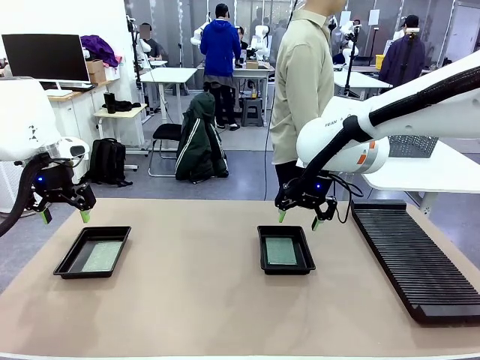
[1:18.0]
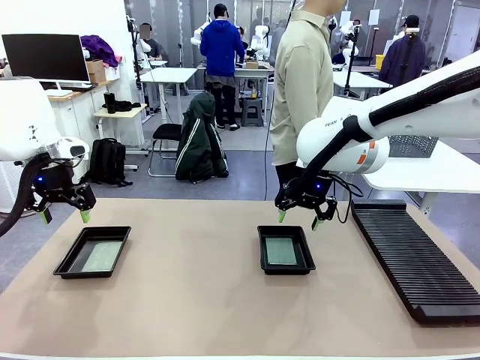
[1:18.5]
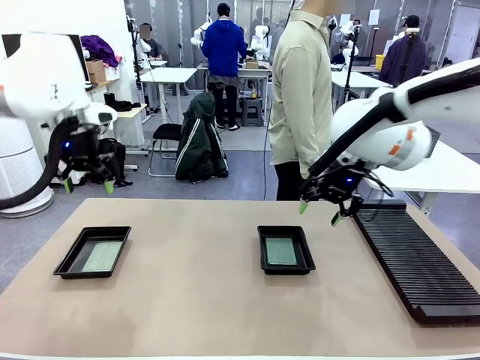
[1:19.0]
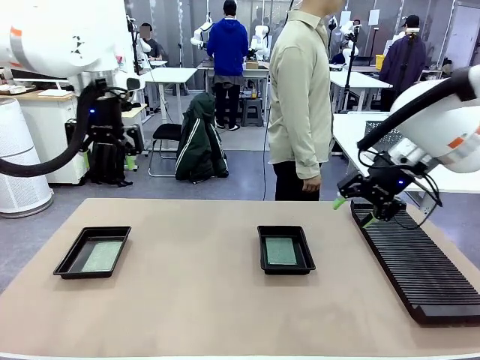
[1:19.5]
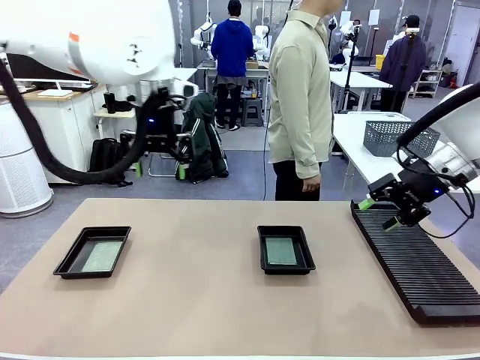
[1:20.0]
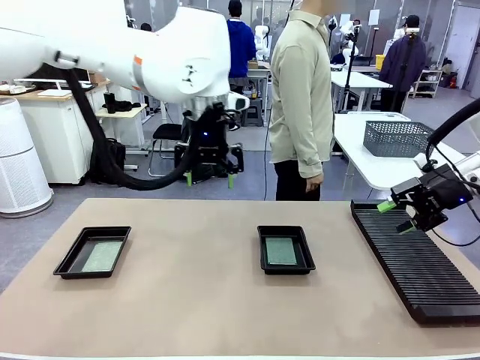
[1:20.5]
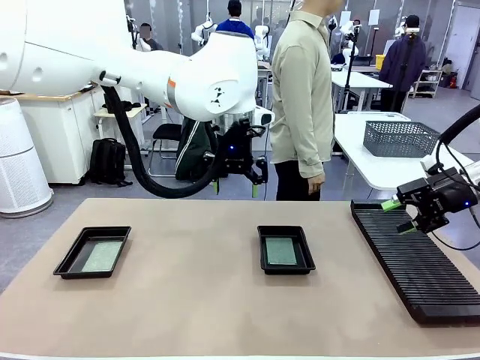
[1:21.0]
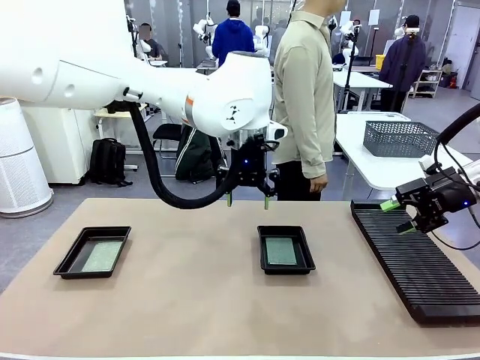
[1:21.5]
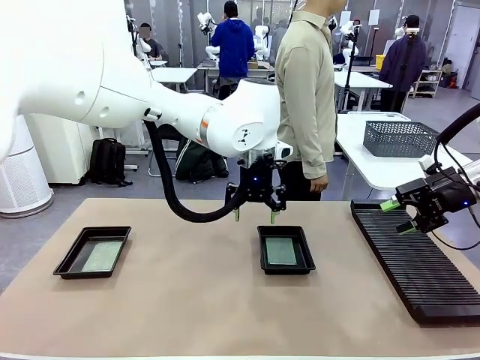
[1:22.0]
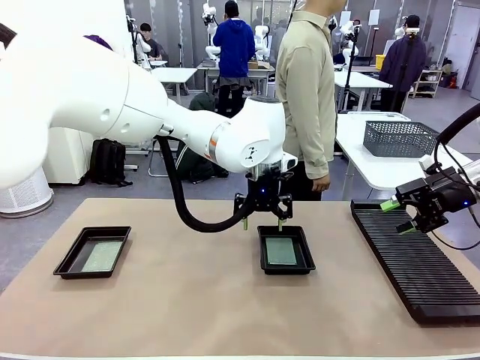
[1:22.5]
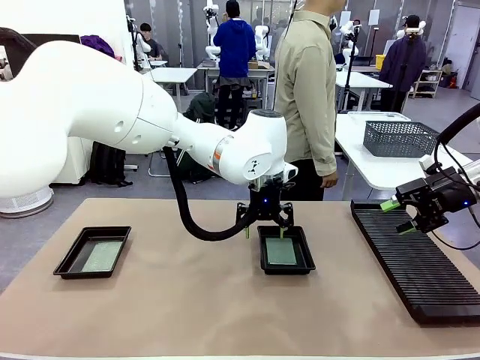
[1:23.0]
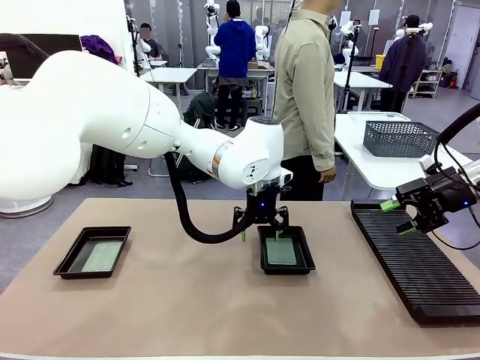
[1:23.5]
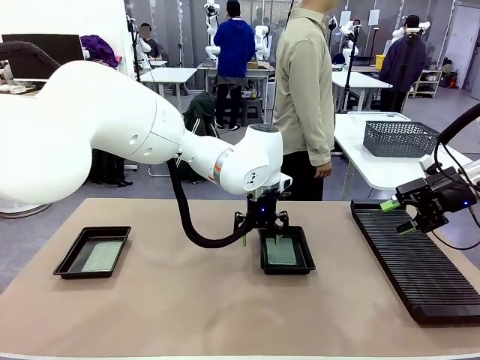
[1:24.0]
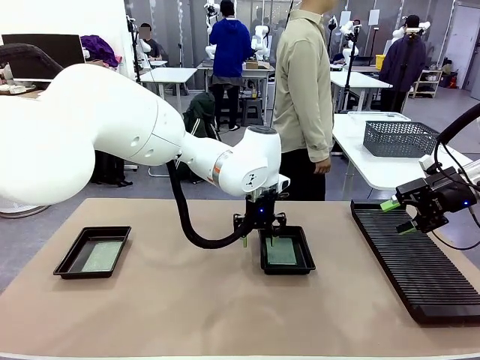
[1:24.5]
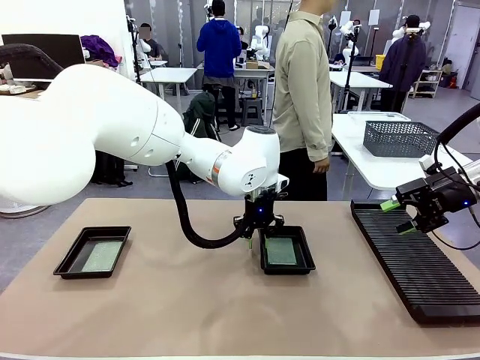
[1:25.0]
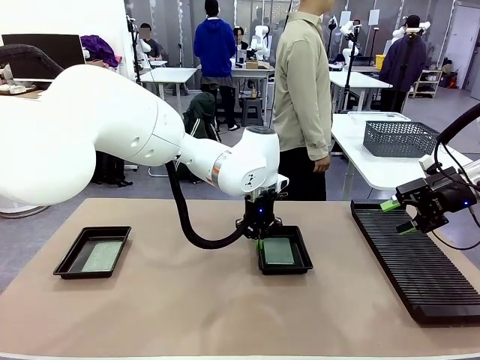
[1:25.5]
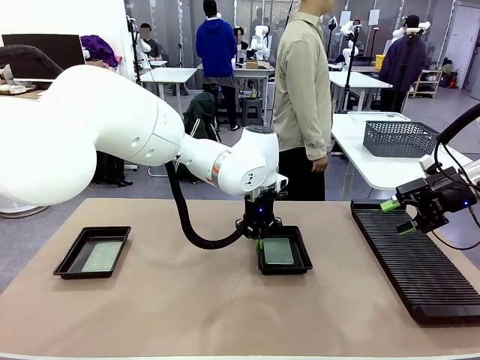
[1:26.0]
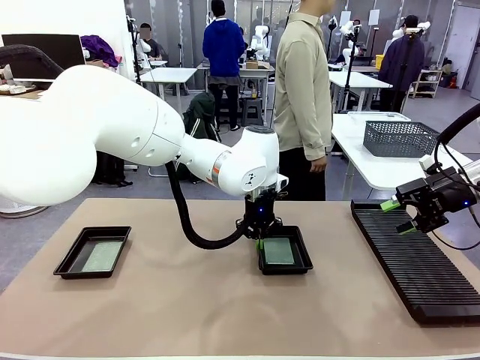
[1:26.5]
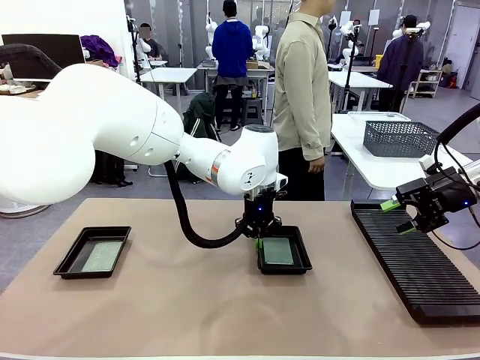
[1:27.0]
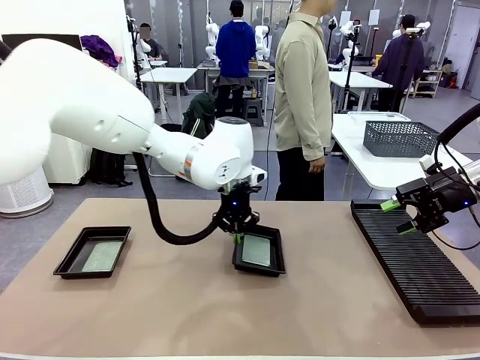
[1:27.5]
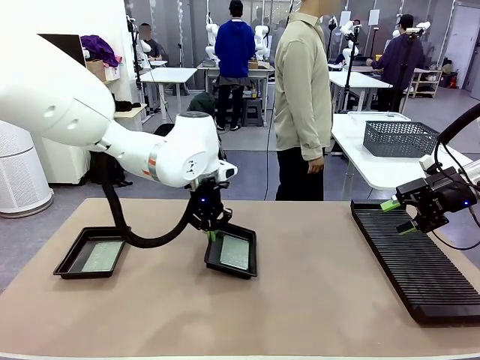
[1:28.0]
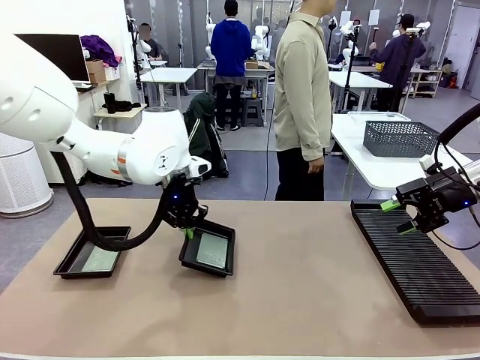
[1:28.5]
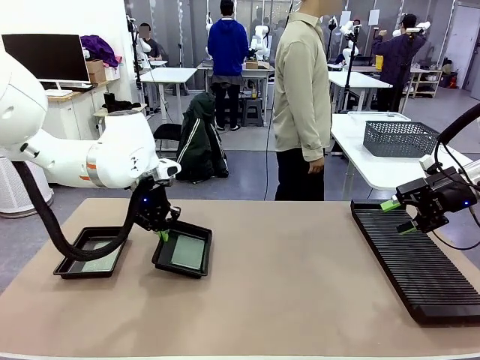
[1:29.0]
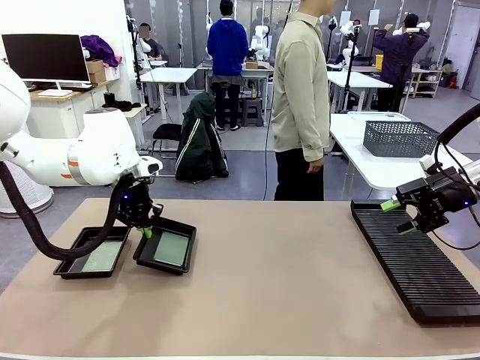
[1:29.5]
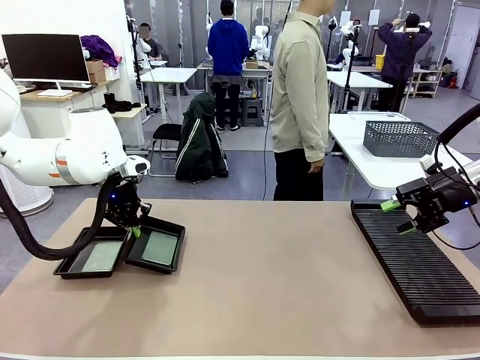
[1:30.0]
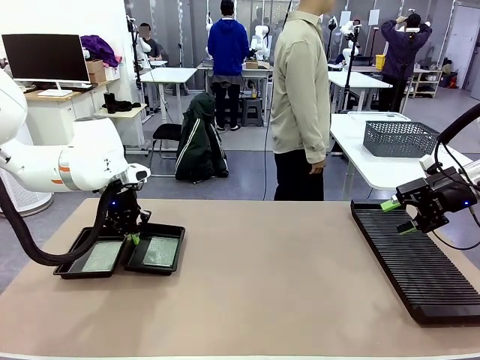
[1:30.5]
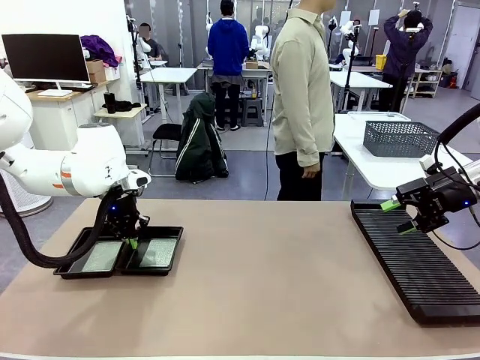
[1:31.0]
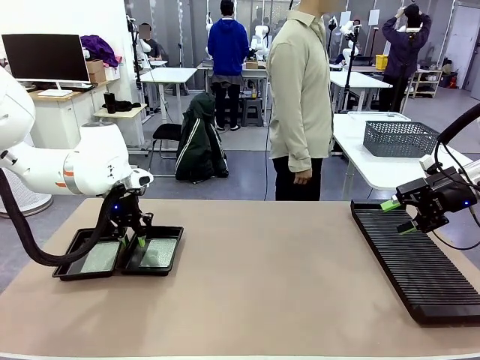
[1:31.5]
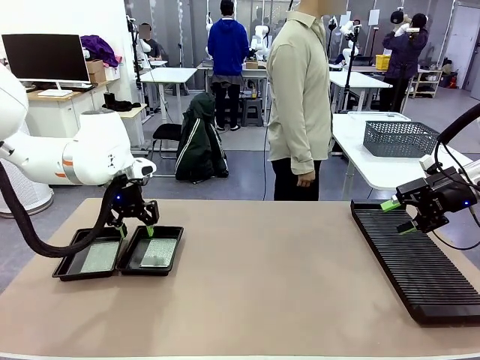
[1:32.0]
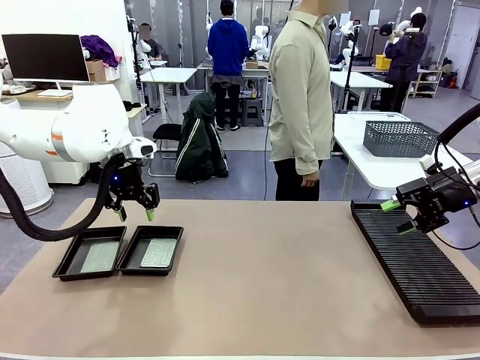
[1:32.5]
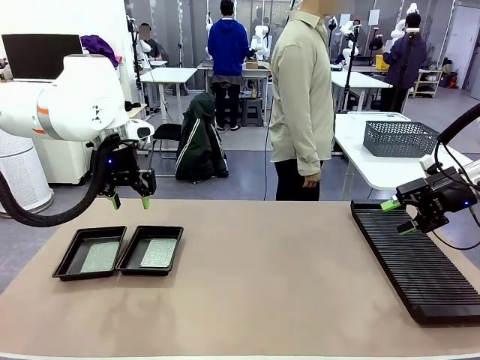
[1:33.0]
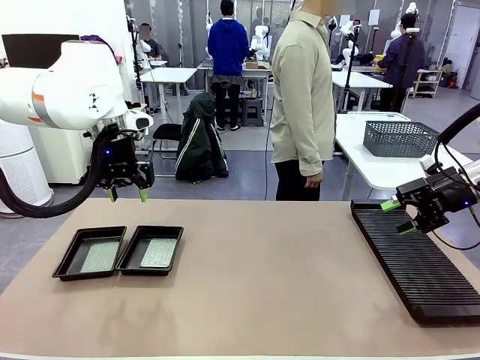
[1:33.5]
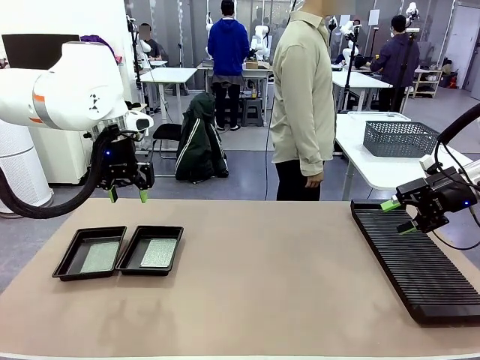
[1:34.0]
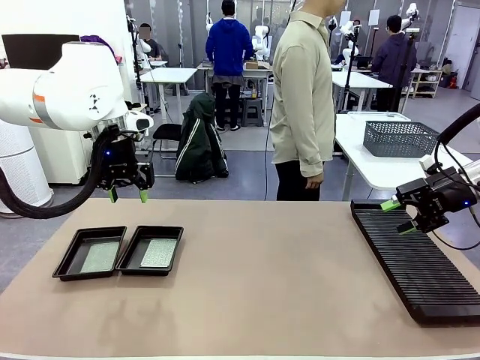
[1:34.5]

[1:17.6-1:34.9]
Task: Inspect and transfer BCBs to ESD trays.
Robot: Pick up the ESD tray and place it on the left side of the table.

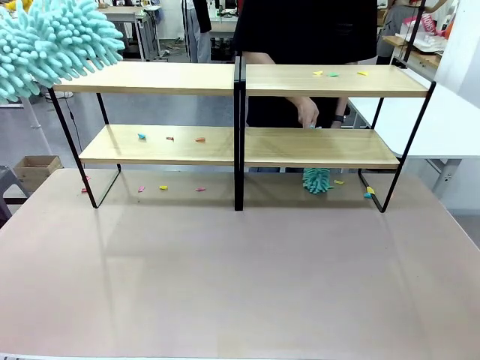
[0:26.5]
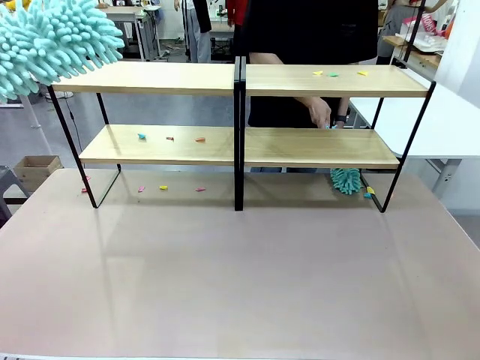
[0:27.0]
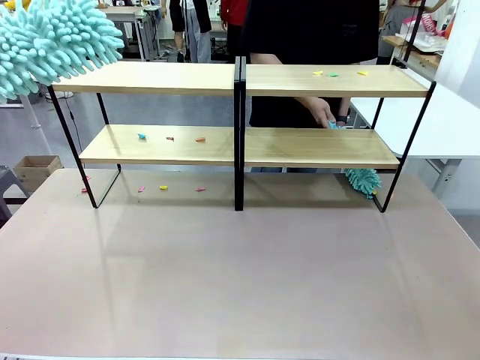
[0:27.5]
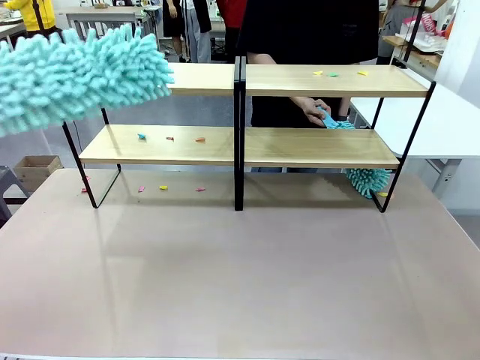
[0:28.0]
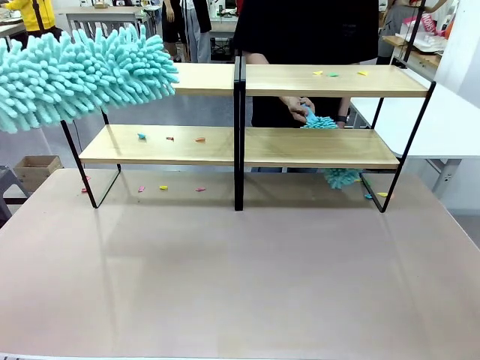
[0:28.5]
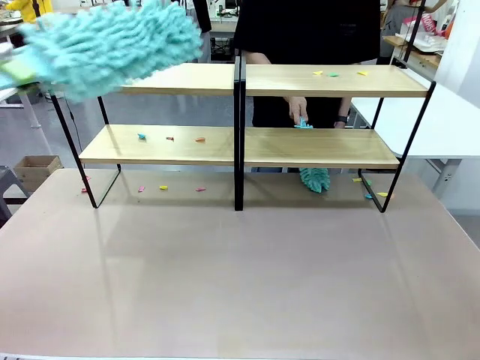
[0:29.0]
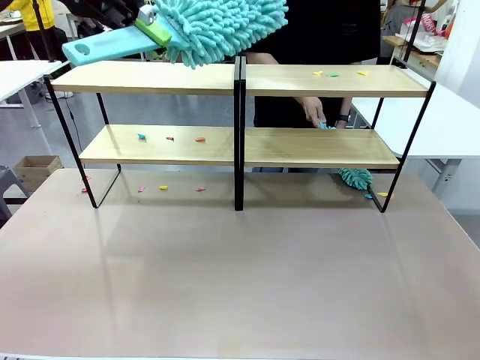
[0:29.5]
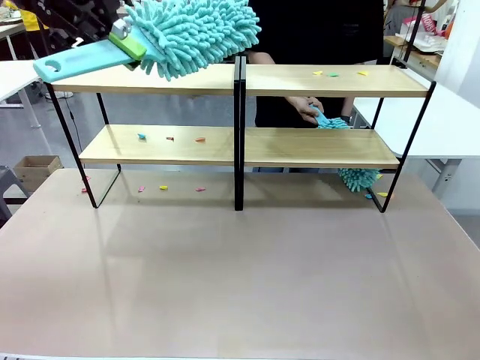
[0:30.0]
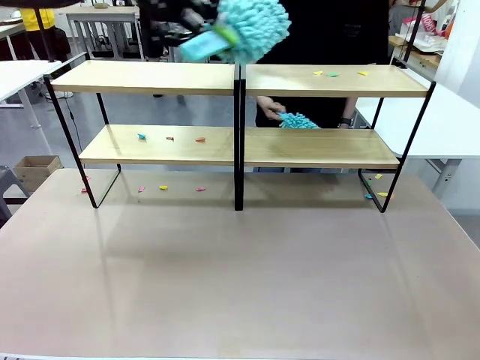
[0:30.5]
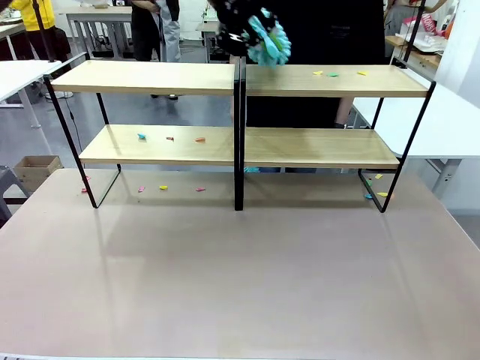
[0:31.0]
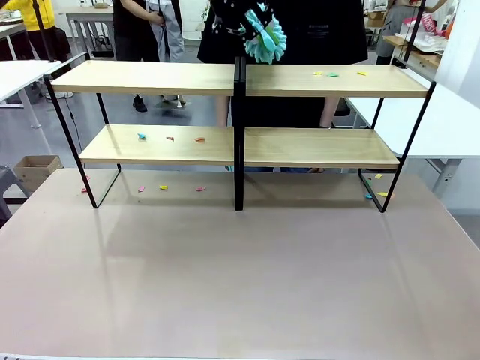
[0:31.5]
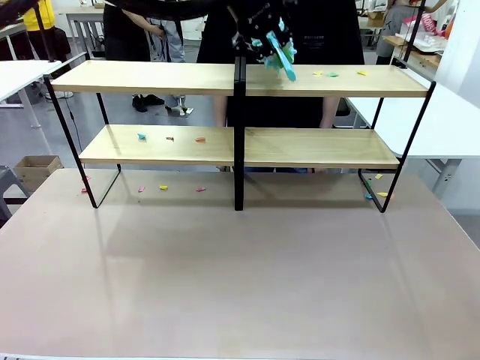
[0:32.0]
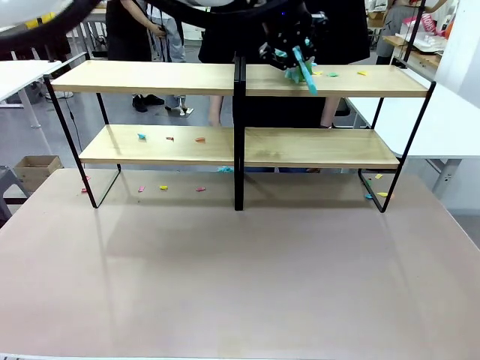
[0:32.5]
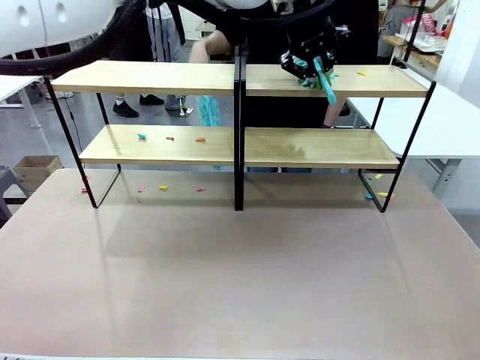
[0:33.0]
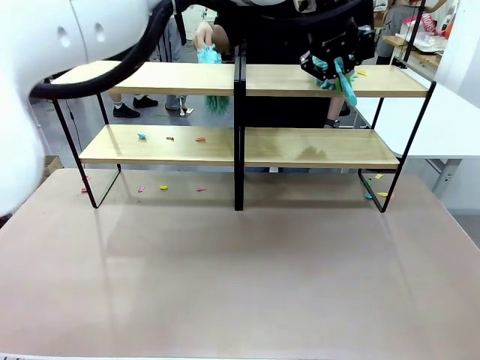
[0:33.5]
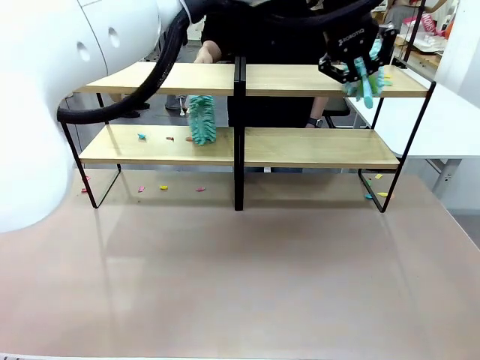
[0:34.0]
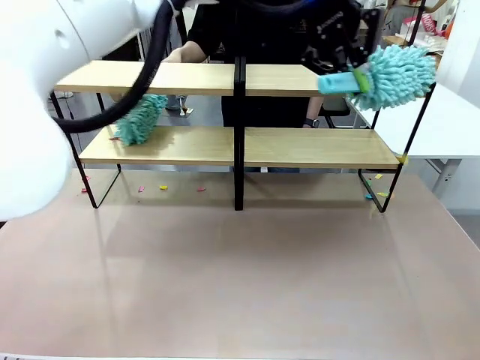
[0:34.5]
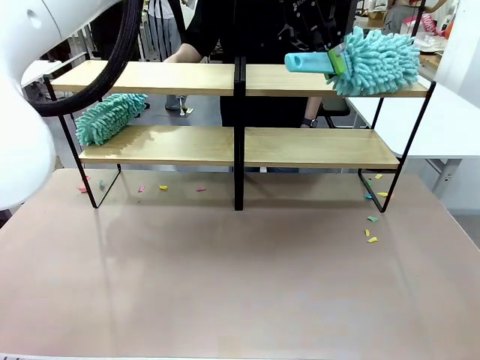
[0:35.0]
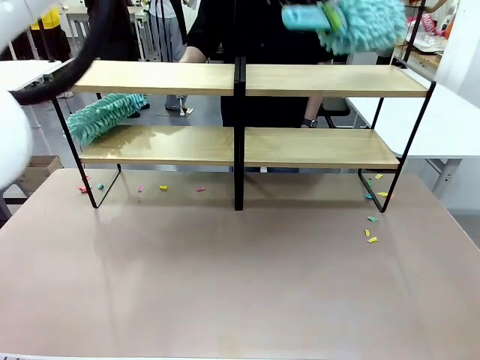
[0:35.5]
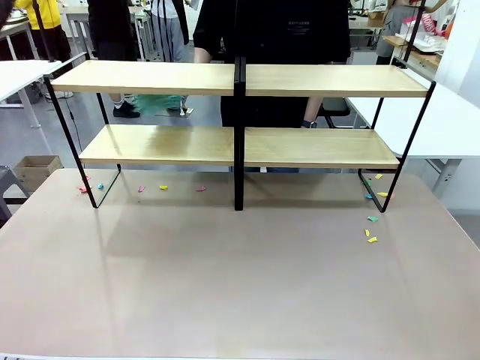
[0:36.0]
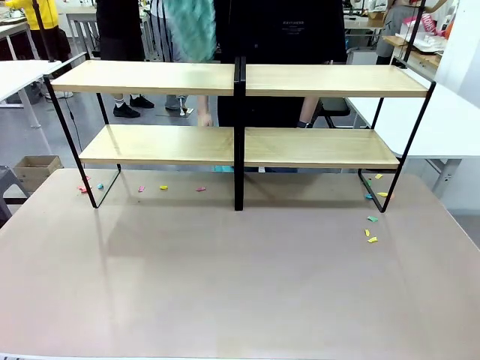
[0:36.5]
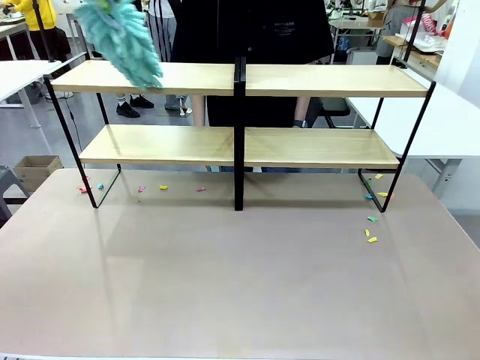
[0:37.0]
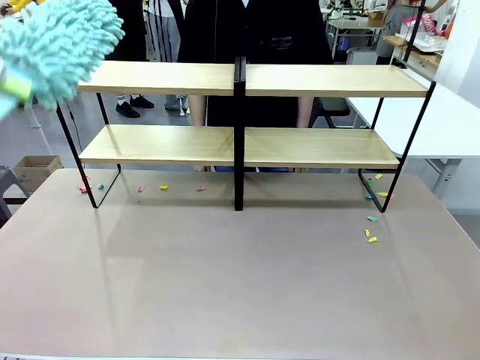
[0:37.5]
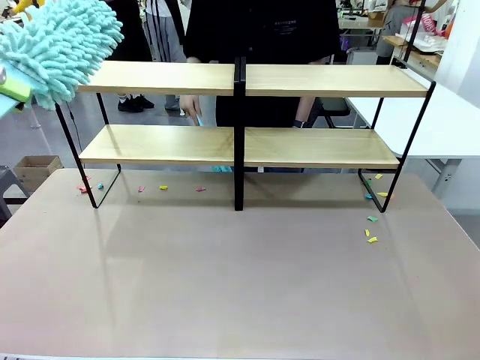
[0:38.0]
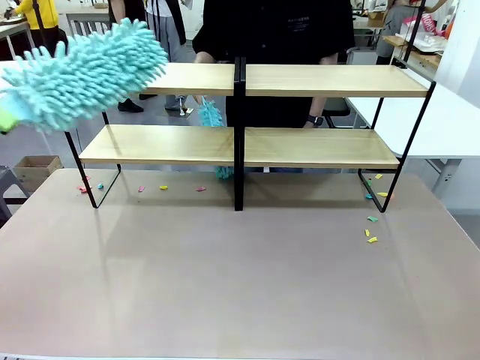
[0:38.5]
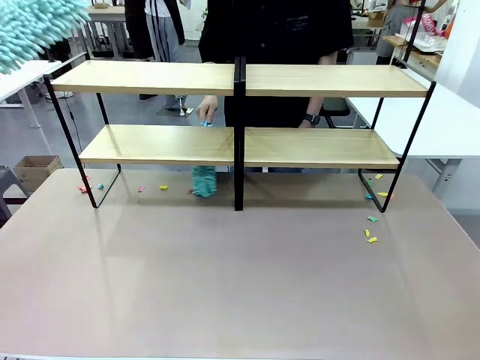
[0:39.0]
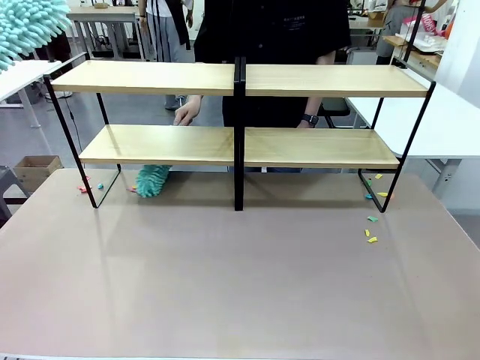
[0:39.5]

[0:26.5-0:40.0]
Task: Clean the shelves.
Robot: Clean another randomly selected level of the Shelf with the Duster.
